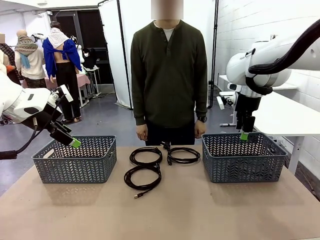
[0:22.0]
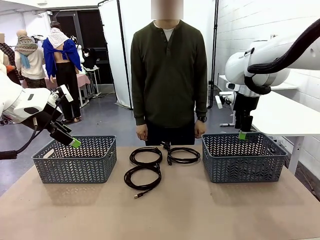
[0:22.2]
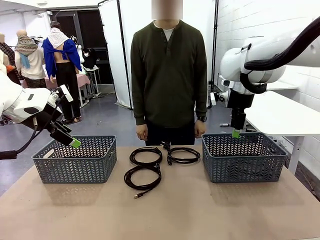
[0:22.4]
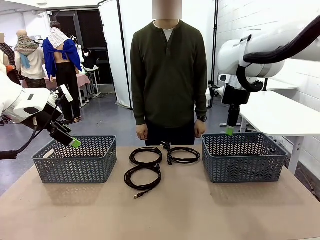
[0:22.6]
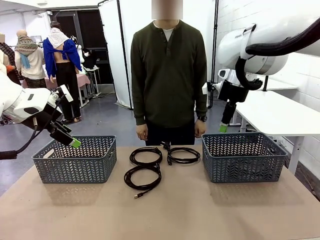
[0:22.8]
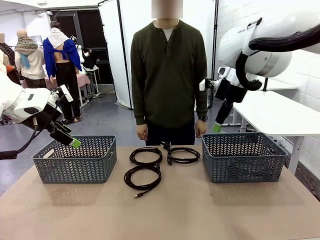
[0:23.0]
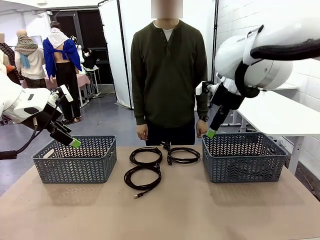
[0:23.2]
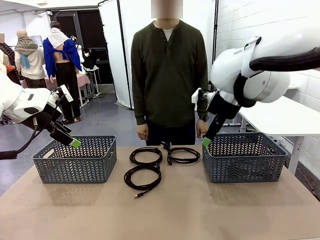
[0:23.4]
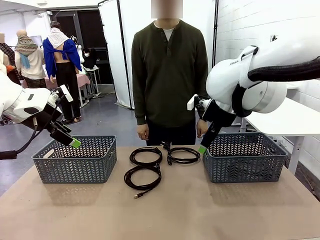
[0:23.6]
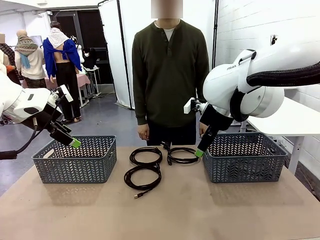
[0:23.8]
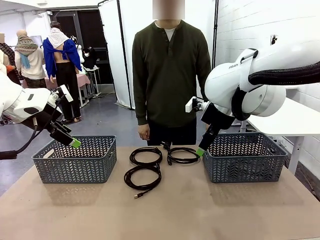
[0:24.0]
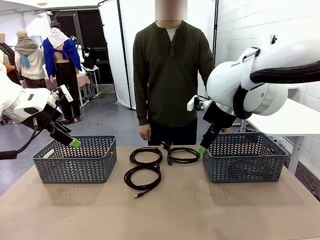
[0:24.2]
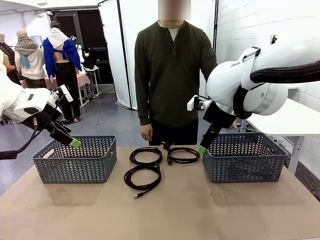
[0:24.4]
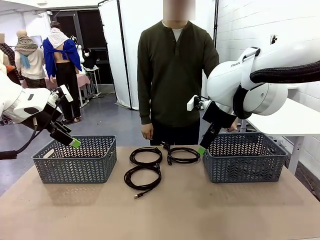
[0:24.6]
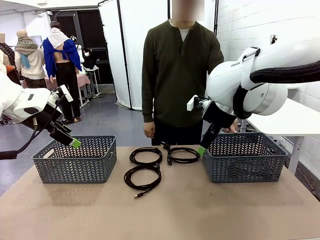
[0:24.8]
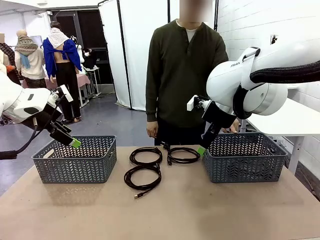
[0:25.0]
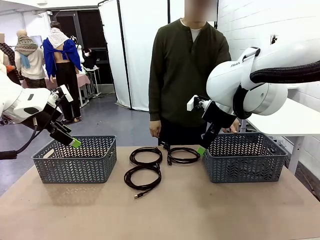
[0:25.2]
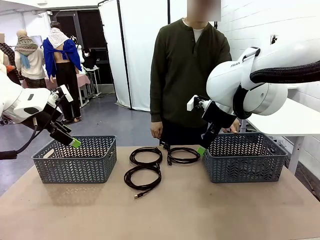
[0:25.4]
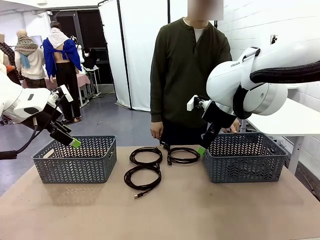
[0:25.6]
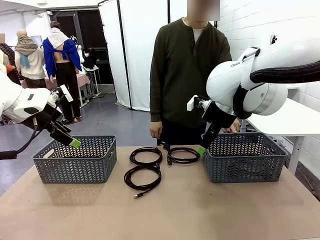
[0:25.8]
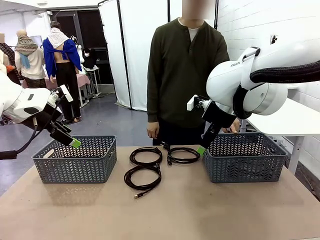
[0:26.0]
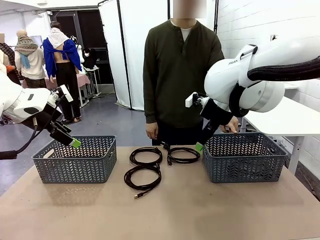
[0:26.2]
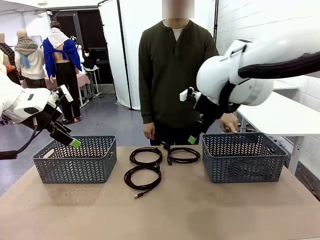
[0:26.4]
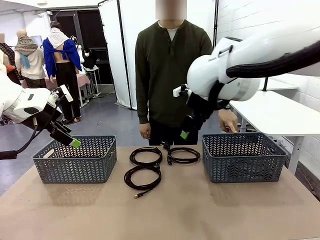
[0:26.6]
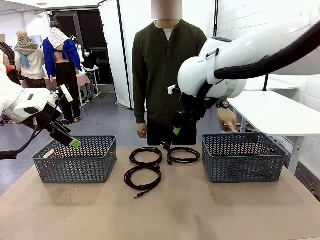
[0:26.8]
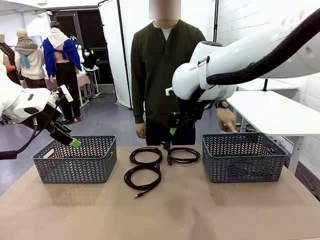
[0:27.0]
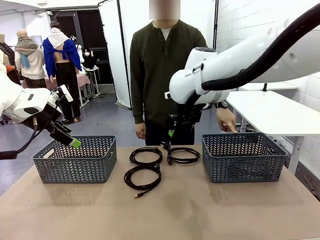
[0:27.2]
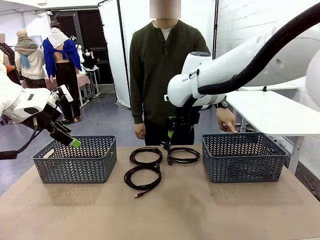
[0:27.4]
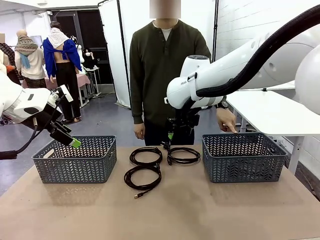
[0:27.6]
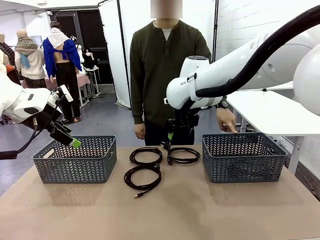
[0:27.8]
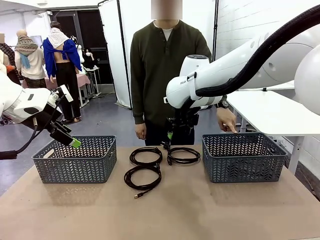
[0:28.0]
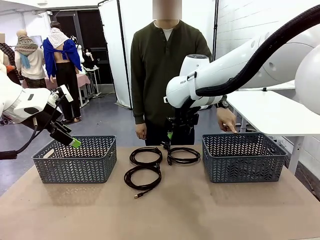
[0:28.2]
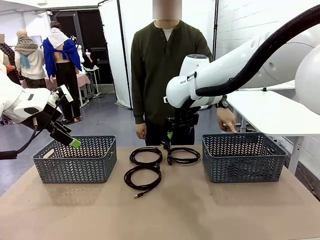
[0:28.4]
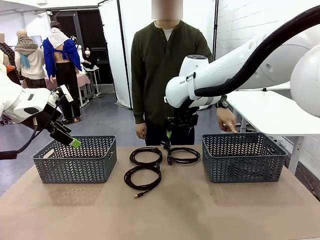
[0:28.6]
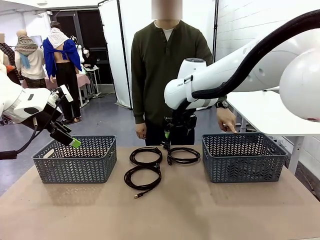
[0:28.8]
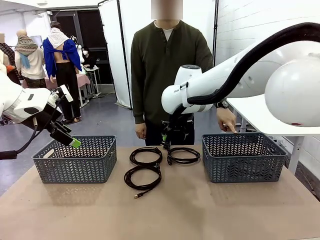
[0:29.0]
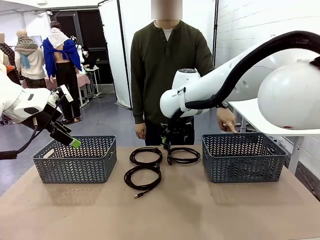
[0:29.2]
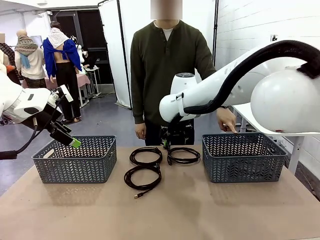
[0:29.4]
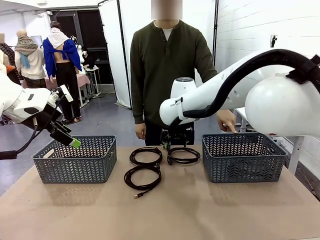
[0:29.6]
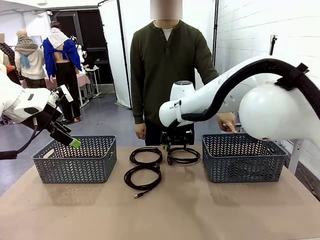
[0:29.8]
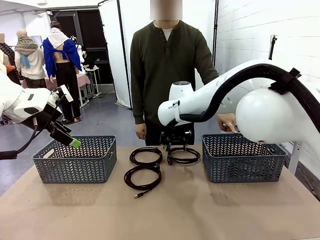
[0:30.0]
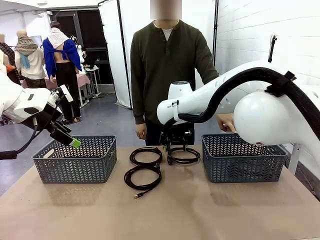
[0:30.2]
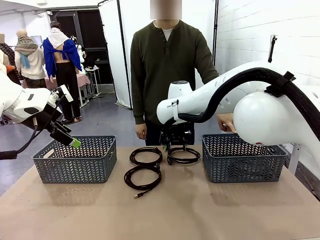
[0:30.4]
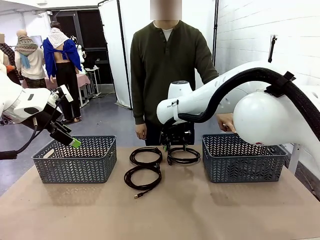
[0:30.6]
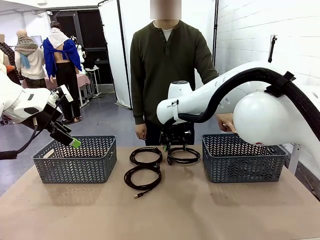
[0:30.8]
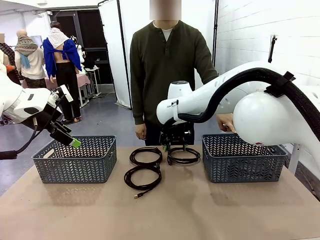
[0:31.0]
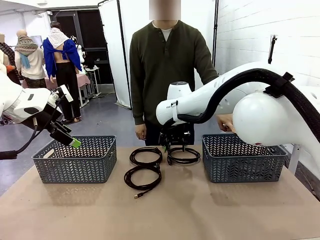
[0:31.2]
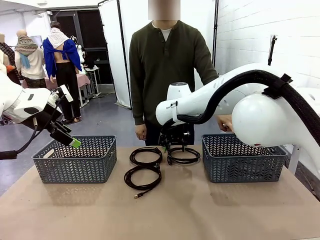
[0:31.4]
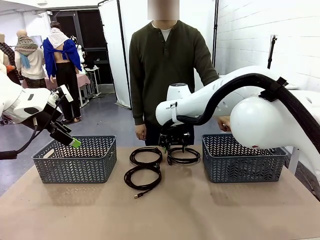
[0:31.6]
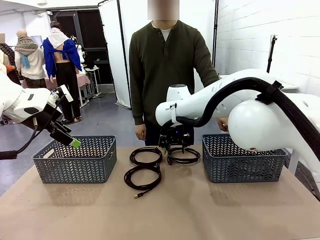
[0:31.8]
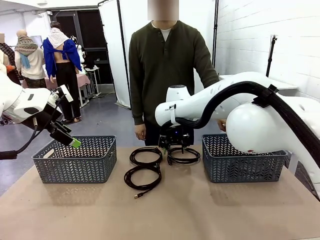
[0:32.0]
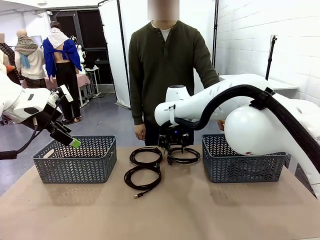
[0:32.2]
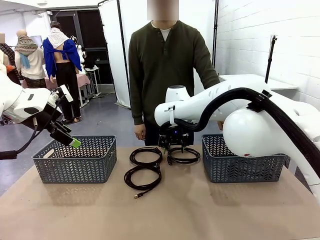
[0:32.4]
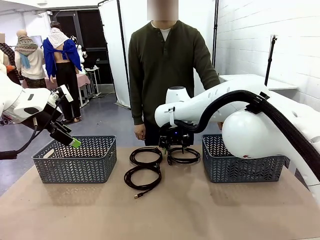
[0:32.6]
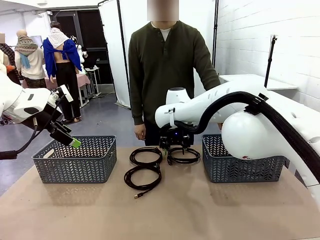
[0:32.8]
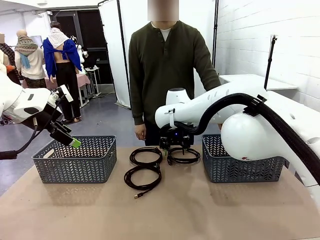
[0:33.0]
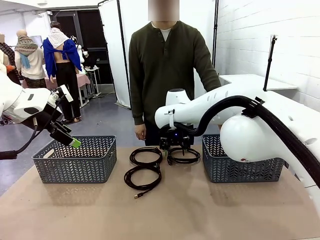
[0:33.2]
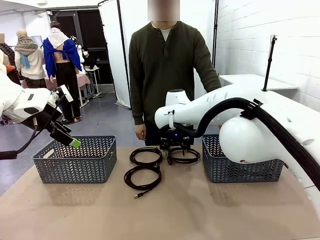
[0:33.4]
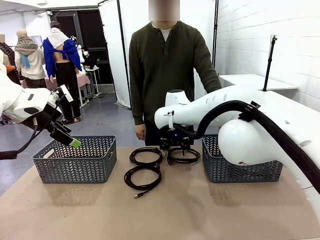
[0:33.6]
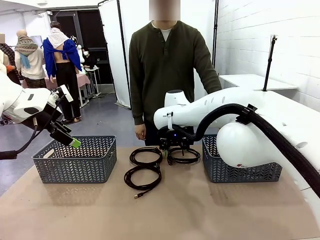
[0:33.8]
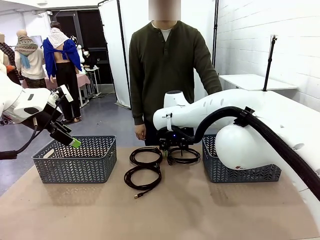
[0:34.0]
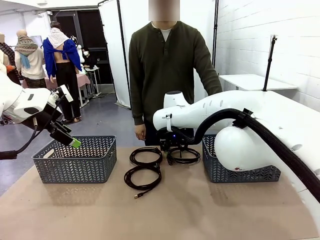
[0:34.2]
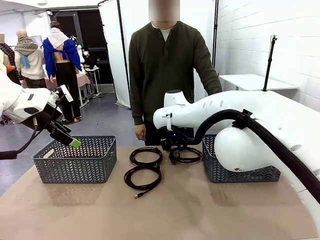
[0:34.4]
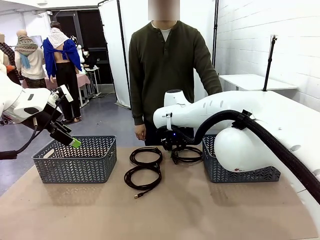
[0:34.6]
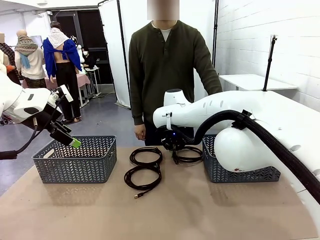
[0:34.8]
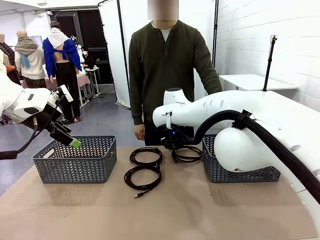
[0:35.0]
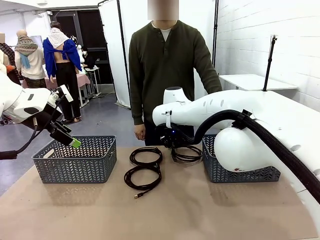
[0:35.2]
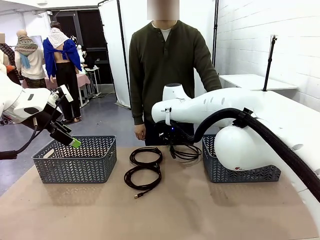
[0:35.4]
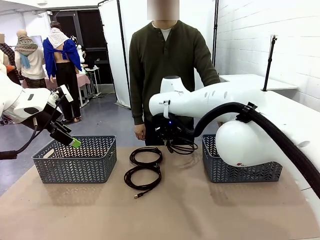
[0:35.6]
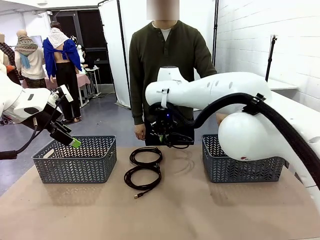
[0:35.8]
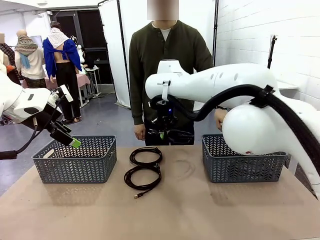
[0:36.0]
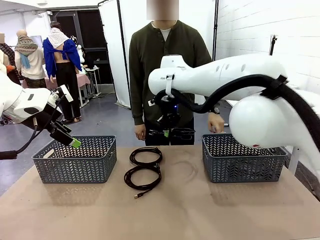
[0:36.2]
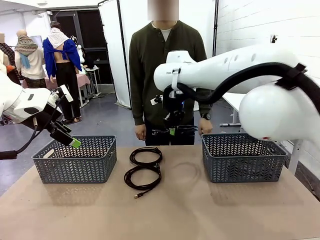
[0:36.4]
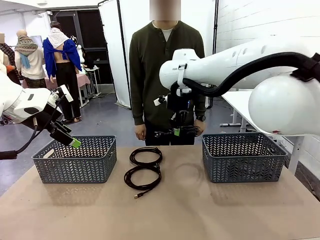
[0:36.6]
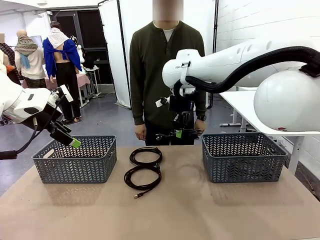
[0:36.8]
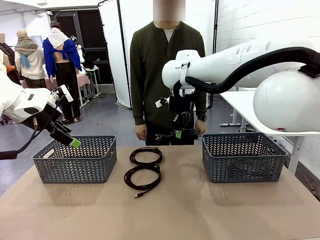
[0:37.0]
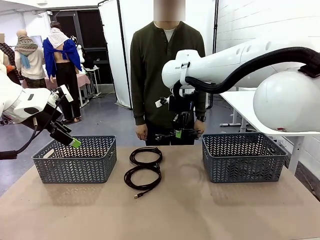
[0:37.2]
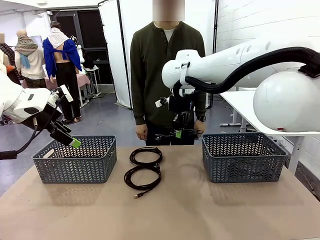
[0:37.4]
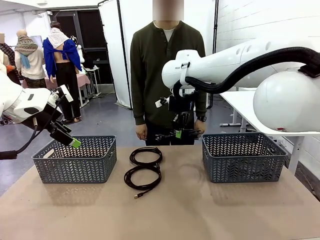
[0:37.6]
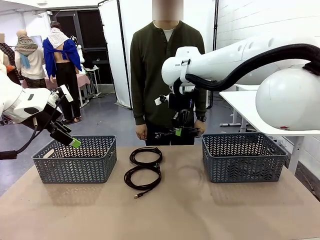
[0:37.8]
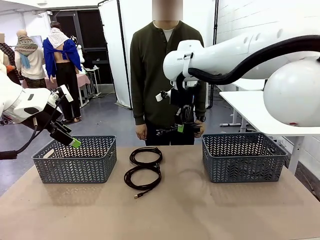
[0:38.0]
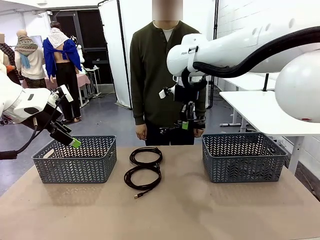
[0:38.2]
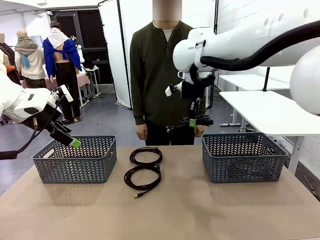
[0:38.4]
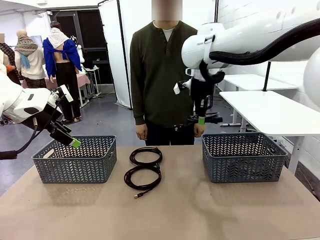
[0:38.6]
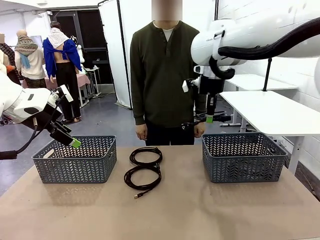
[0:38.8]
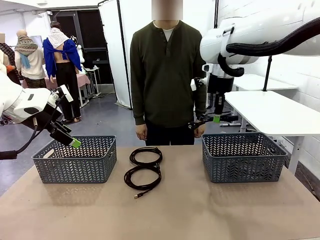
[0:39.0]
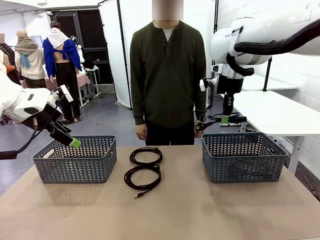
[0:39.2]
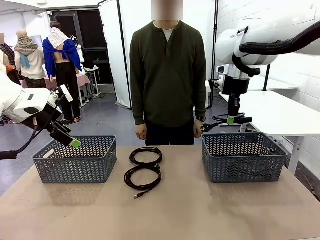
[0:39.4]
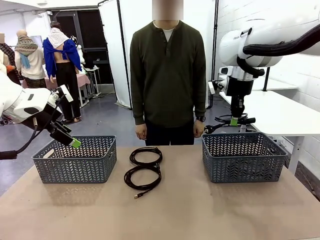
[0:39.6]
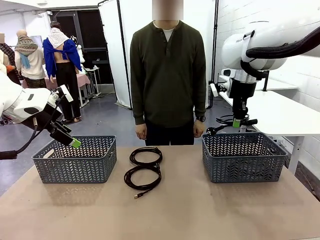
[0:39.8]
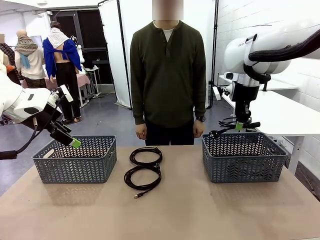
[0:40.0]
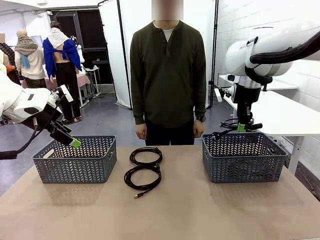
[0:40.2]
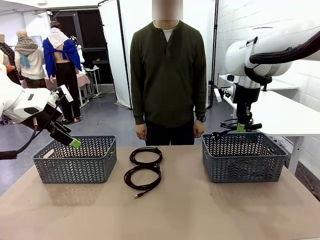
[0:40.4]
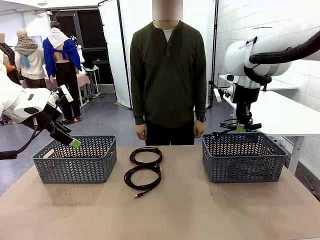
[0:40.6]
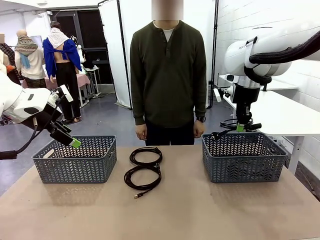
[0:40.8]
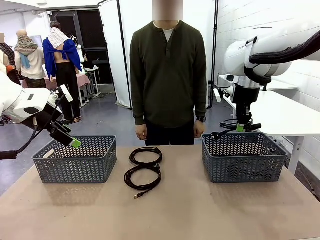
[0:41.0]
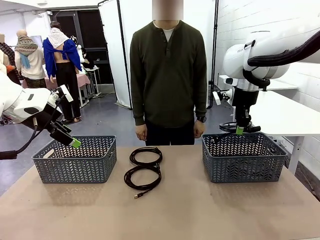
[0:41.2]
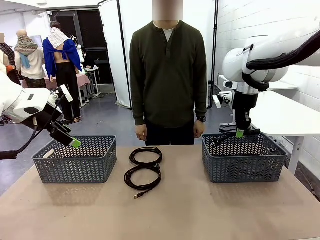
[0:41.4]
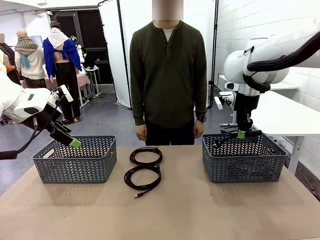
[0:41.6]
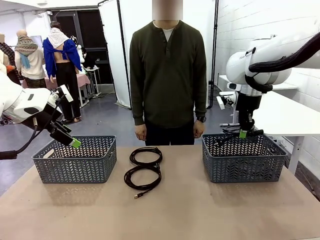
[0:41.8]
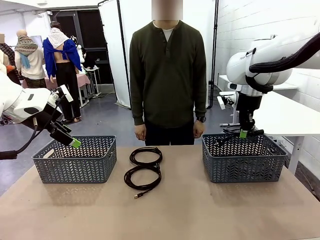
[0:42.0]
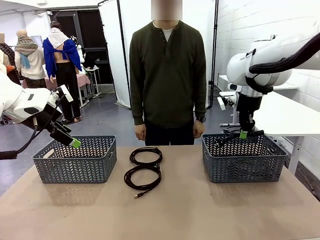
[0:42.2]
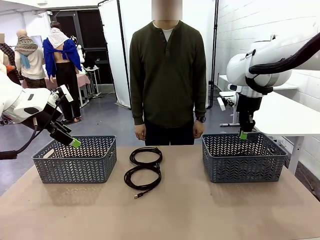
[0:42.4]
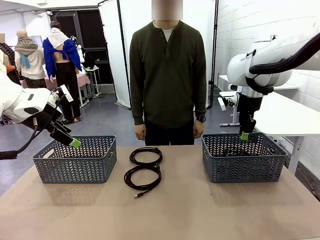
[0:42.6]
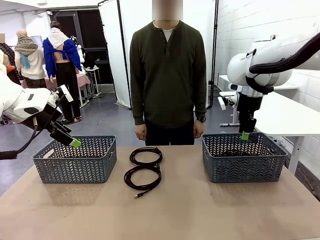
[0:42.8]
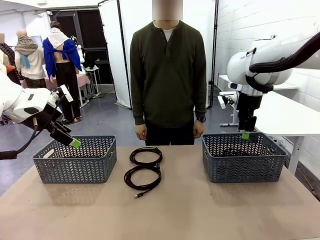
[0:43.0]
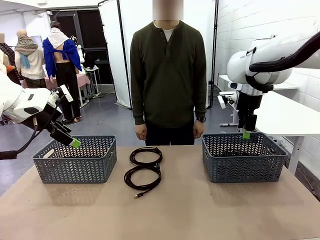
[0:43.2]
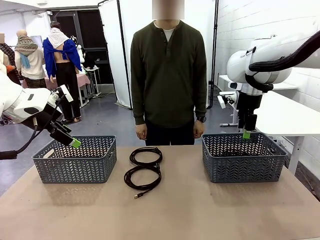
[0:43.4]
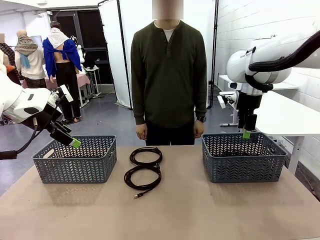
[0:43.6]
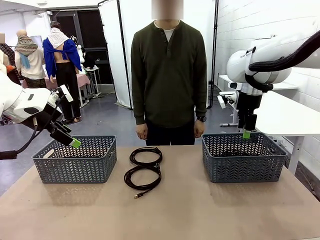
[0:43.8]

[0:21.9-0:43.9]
Task: Organize the cables according to human instructions.
Robot: Pick up a bundle of cables and place it in the basket indicated by the human.
